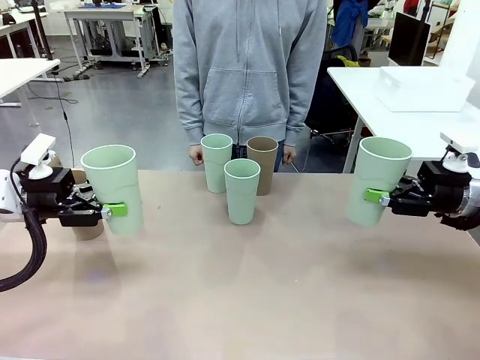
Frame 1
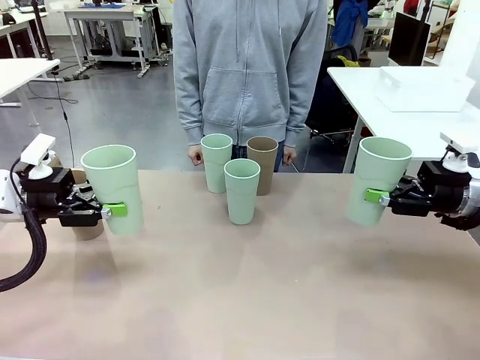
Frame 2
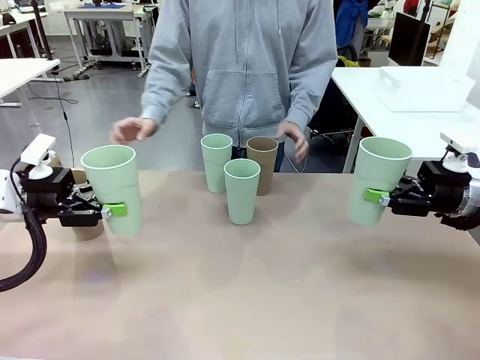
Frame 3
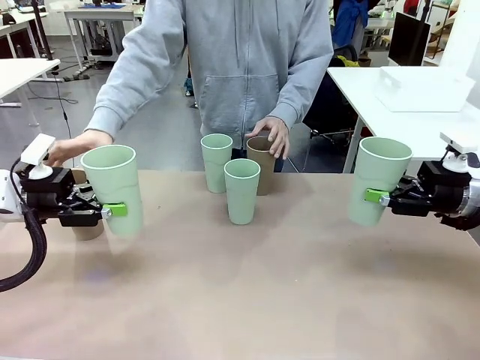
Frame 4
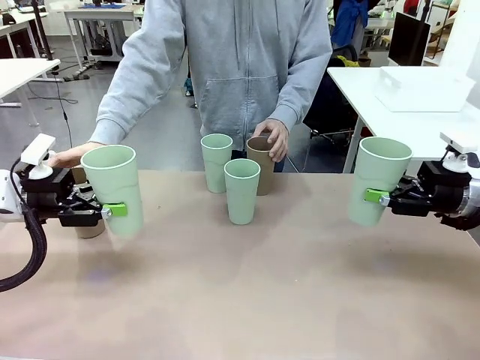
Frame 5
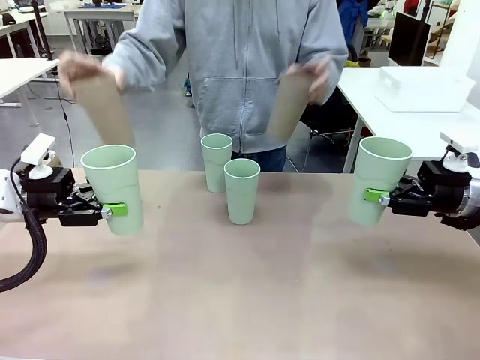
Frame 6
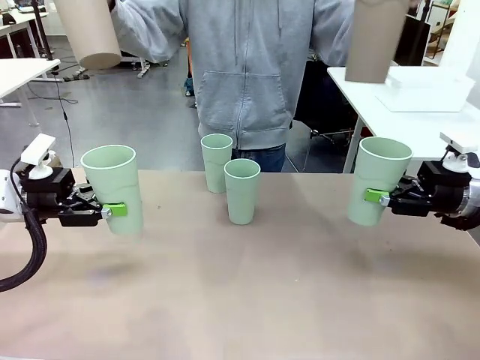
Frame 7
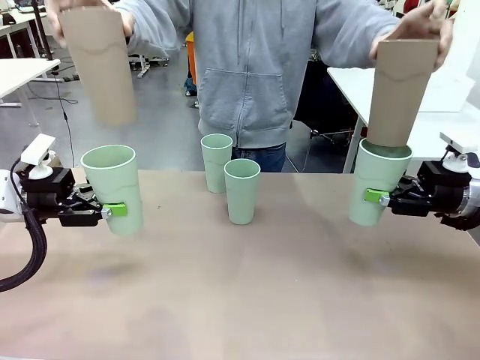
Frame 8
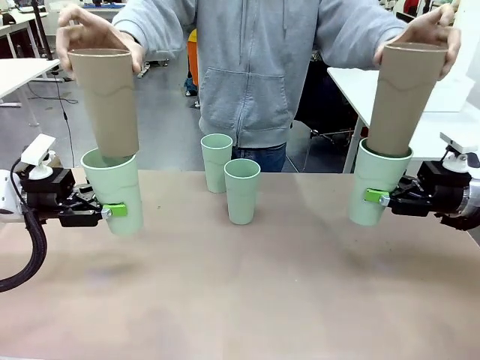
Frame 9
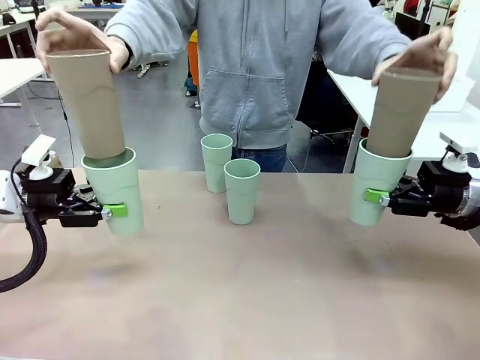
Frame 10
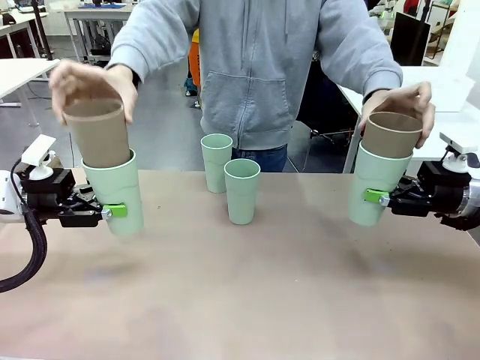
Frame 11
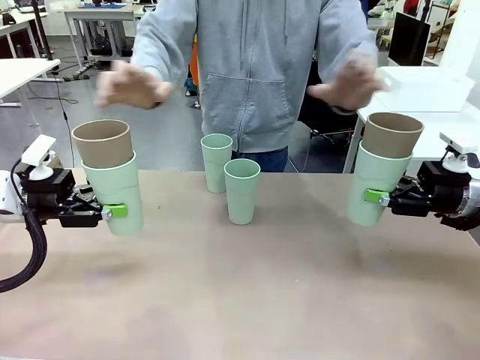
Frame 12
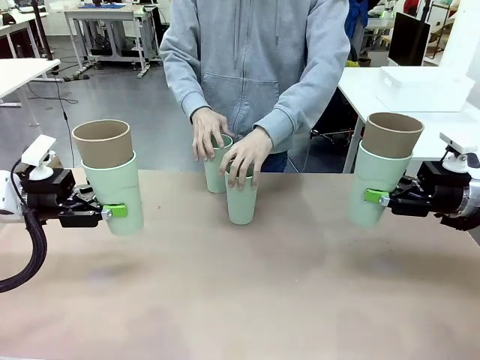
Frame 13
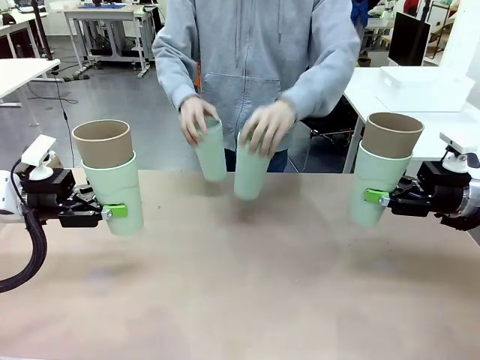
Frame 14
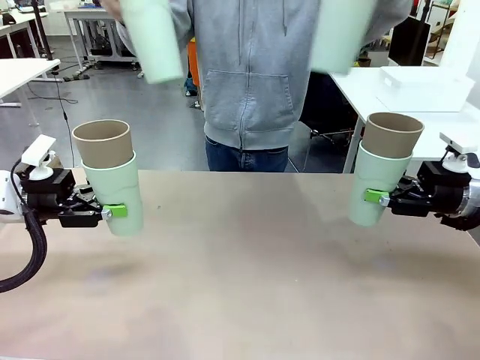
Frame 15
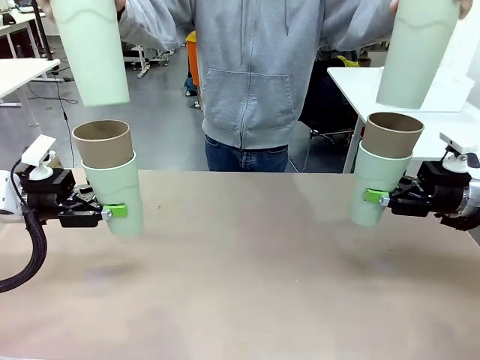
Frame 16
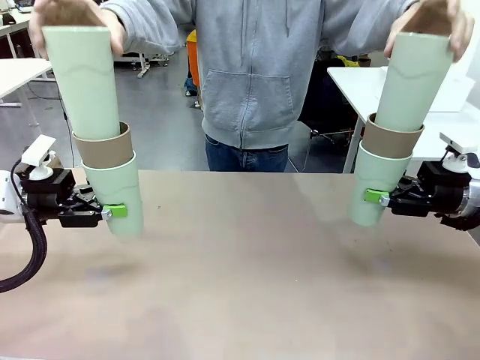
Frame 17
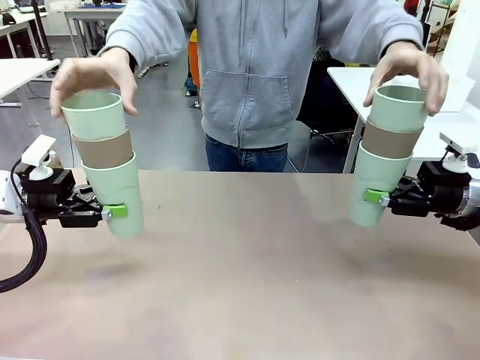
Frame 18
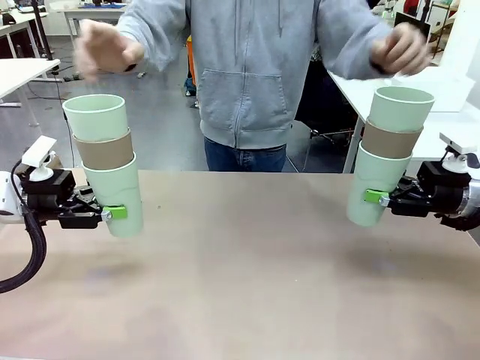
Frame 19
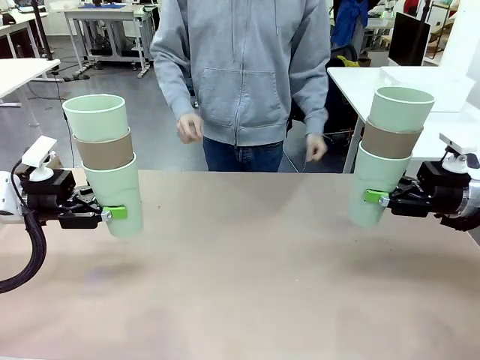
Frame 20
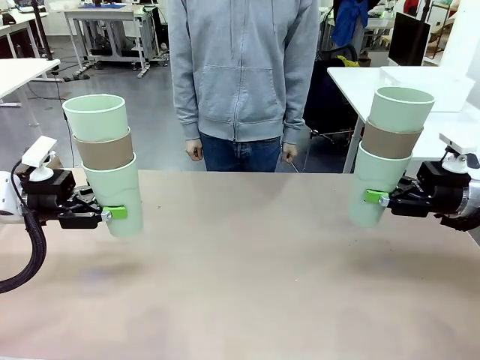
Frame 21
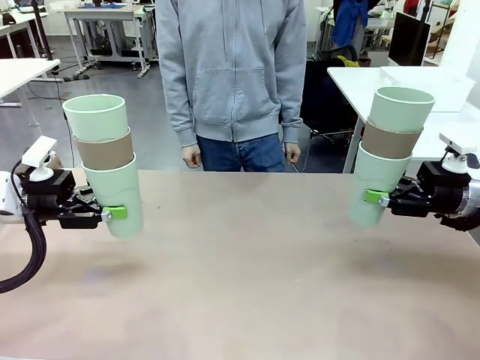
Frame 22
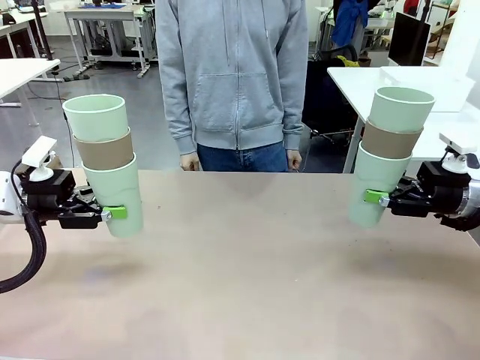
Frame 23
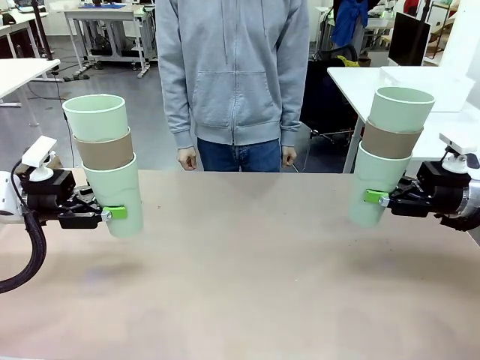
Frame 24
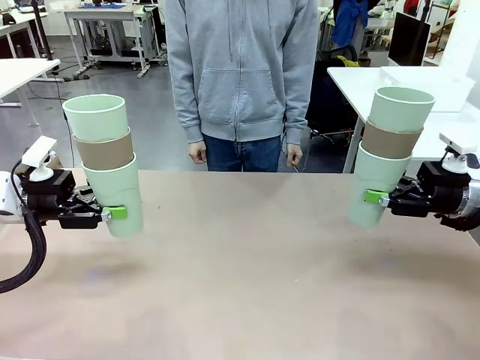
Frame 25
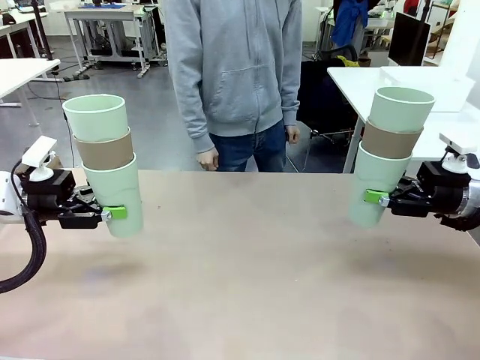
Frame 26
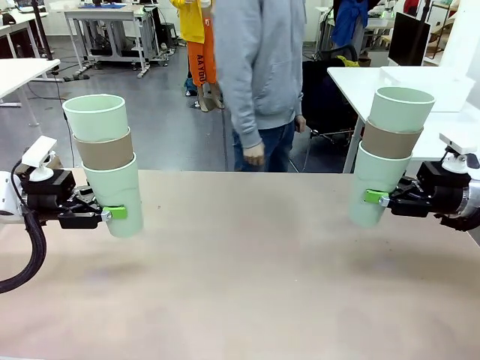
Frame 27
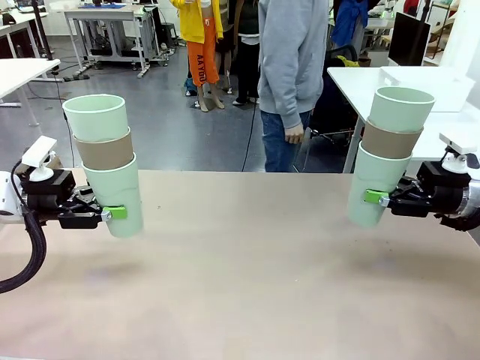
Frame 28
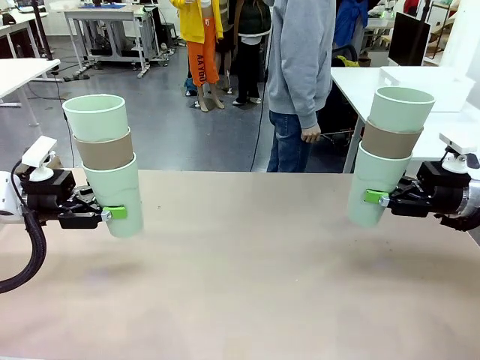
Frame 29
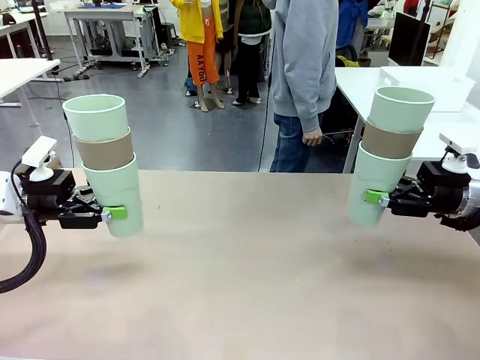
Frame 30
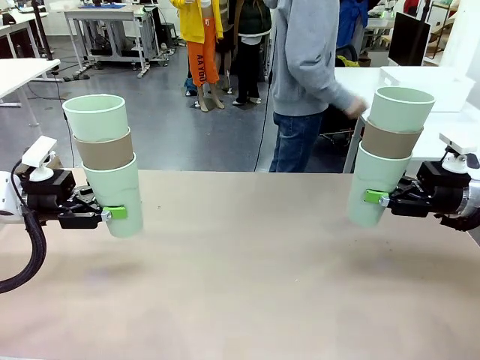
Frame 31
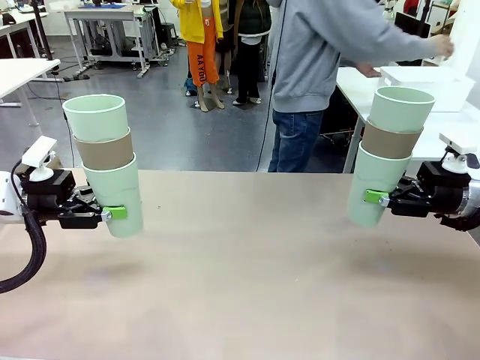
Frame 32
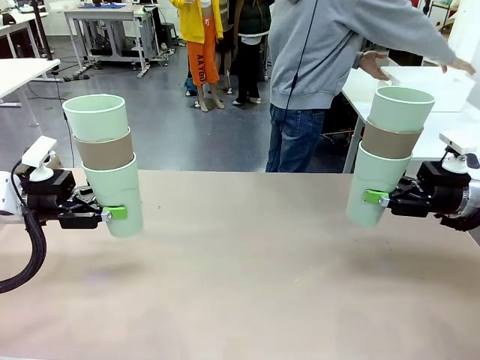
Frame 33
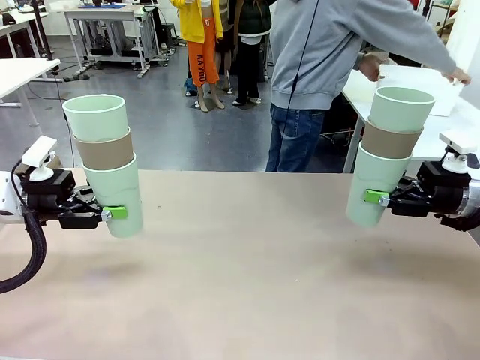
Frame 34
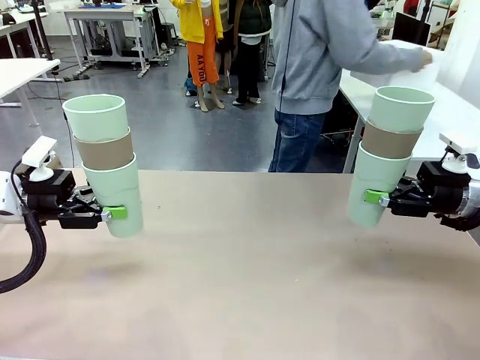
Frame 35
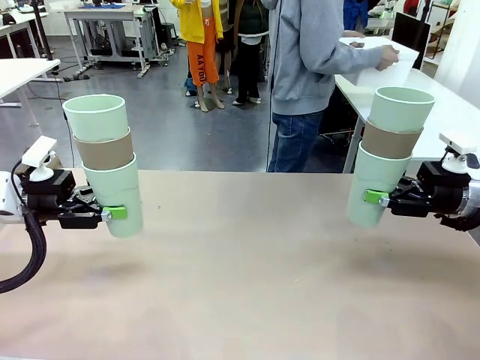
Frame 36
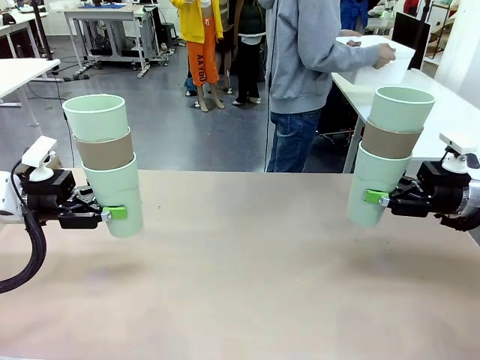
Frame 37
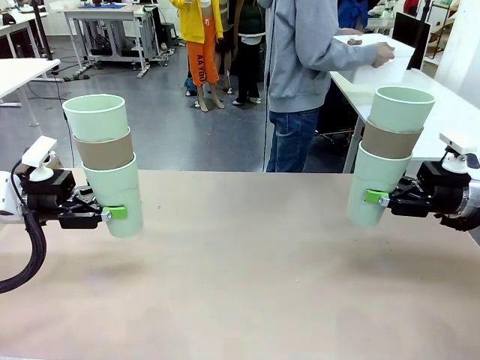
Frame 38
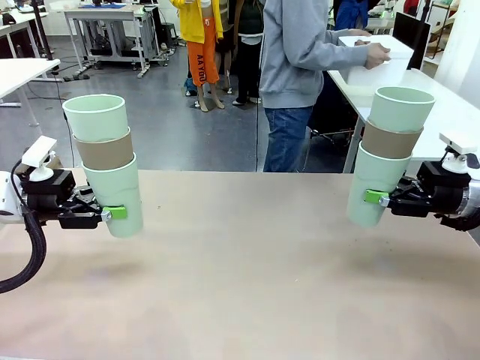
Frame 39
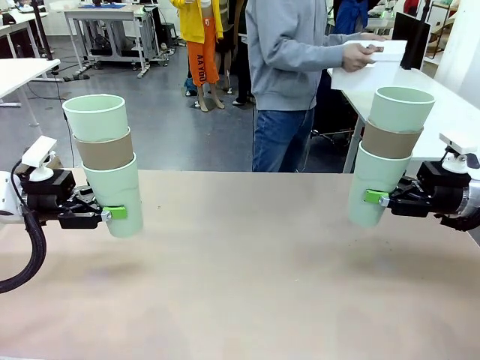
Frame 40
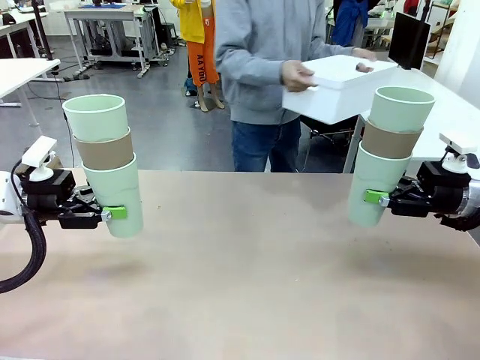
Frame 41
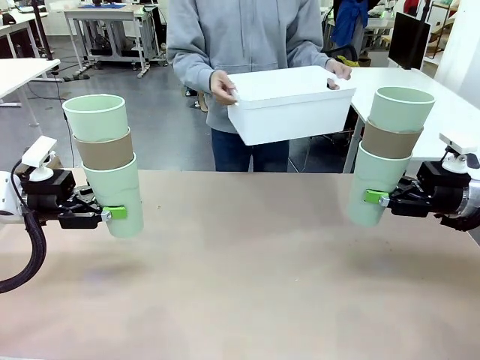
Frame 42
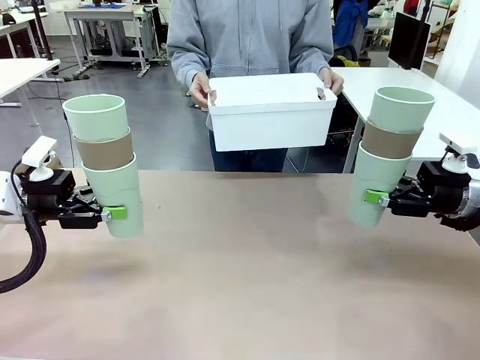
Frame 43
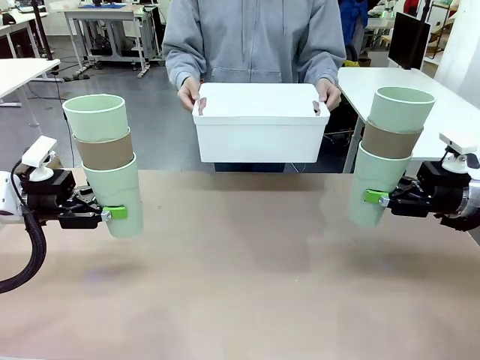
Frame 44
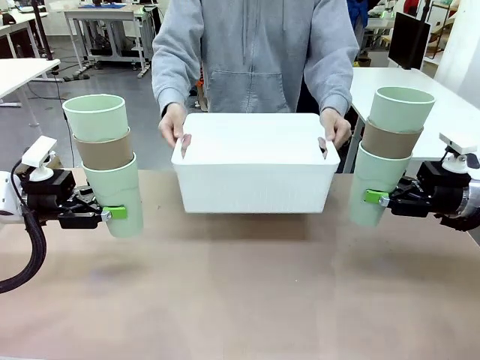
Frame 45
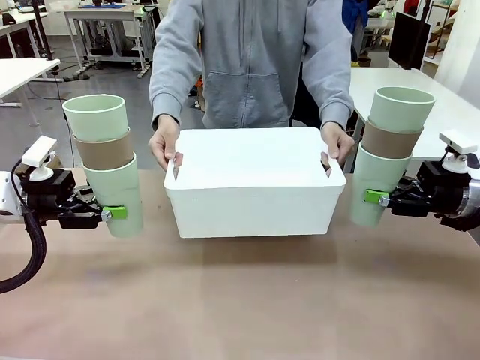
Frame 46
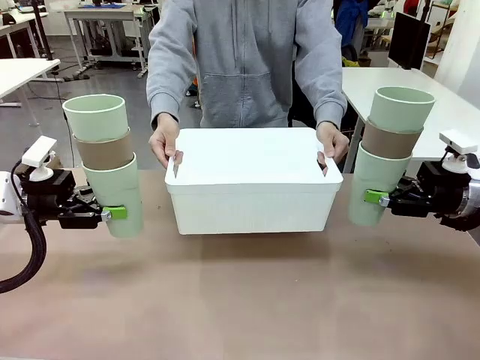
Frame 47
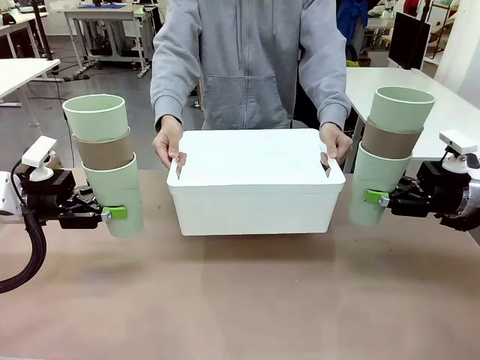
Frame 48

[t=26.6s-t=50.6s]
Task: Stack the cups and store them in the basket.
Robot: Place the stack of Reusable plastic cups into the Pantry Basket.
Person: Pick up the basket from the Human Table, bring it to the front of the robot, and present it.

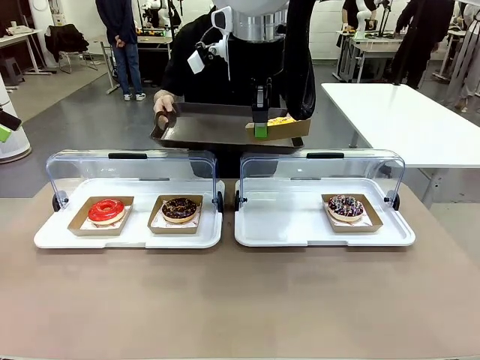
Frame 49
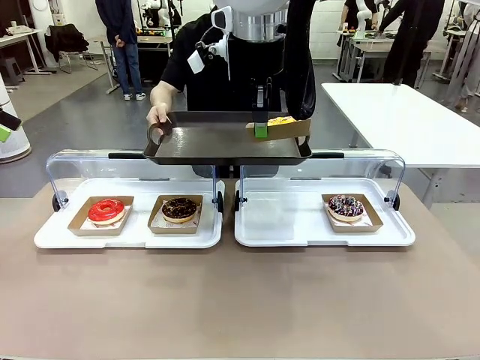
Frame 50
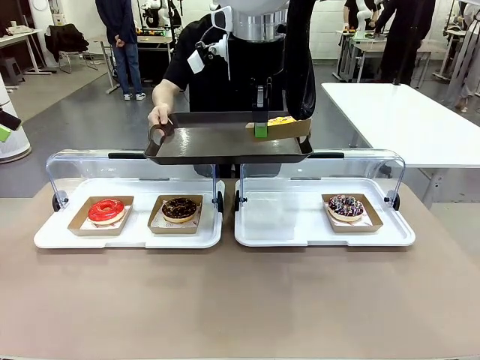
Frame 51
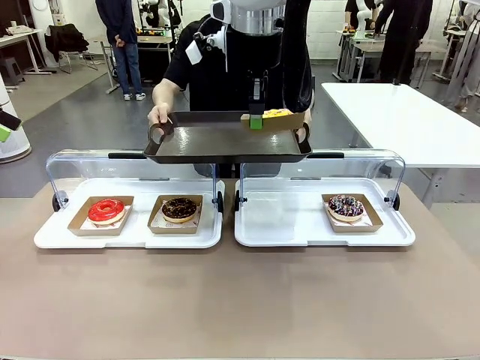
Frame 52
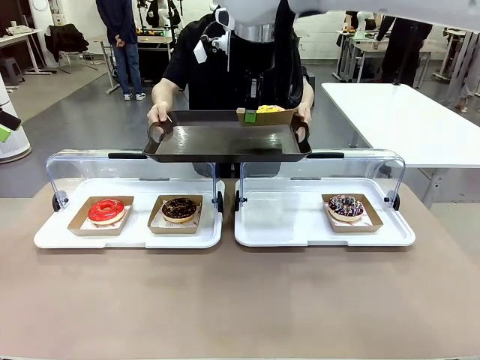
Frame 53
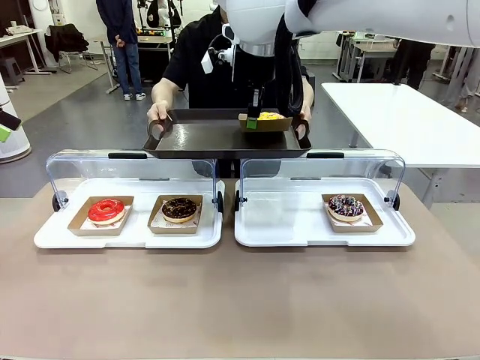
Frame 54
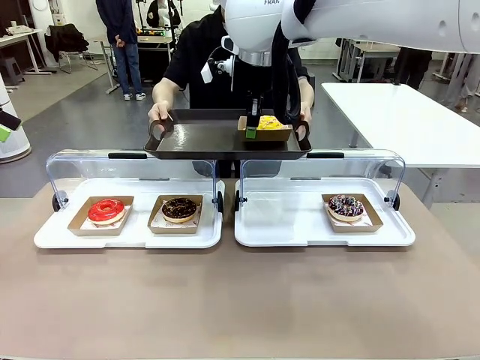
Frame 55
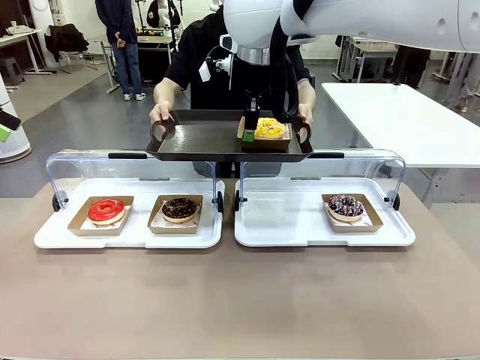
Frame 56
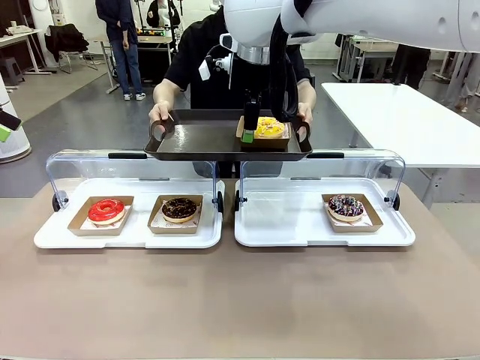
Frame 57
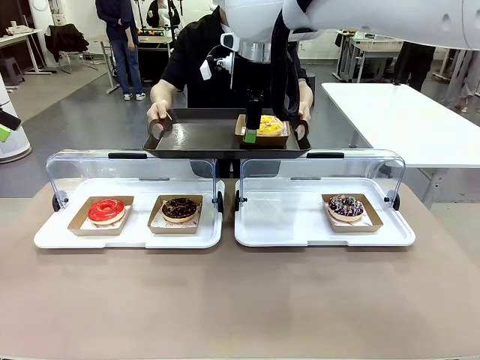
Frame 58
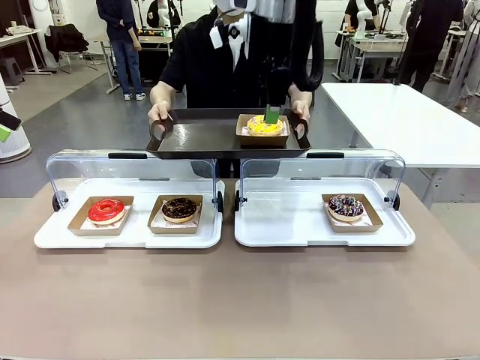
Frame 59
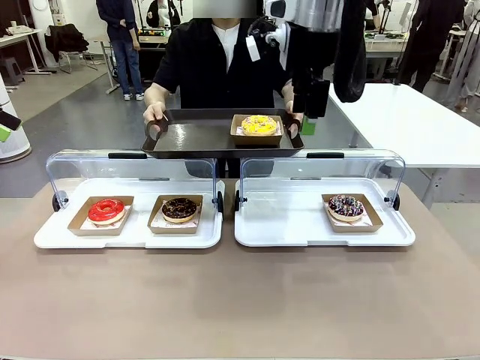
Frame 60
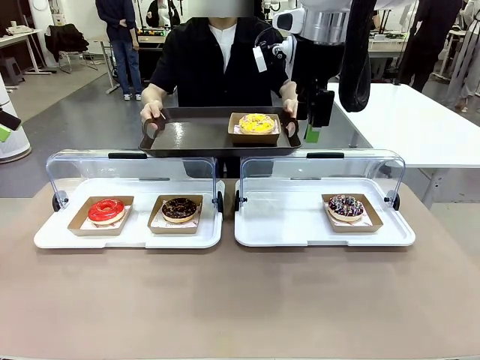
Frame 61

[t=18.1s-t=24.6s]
Task: Provide the desired donut to the person.
Robot: Place the picked Paper togo box onto the Handle tray extended by the person.
